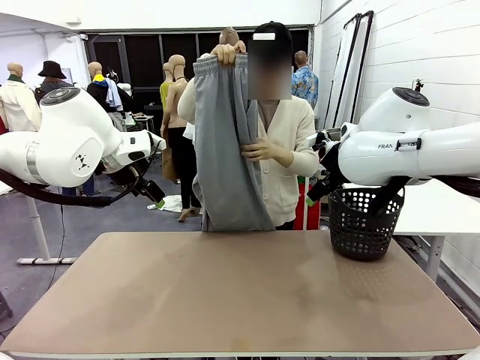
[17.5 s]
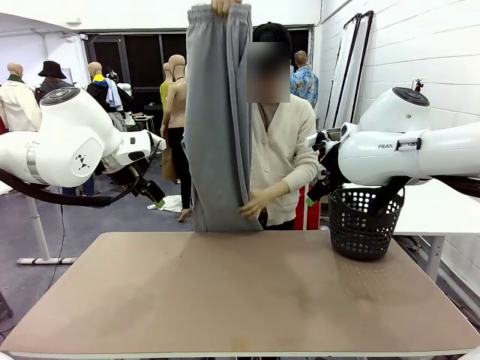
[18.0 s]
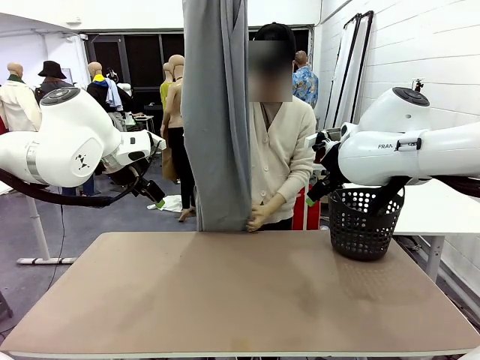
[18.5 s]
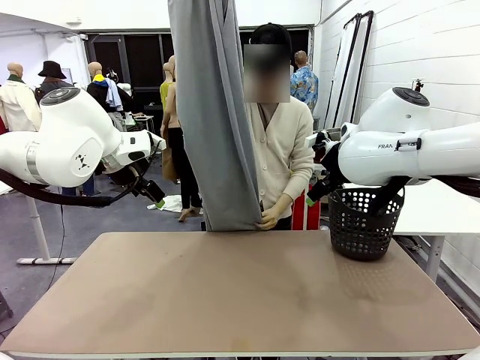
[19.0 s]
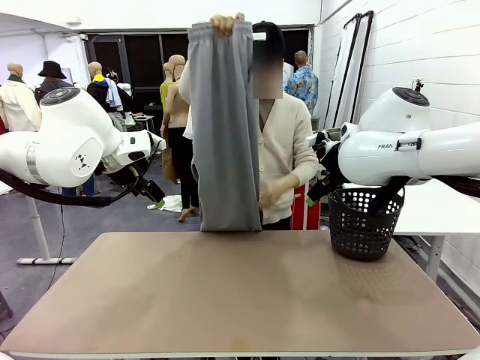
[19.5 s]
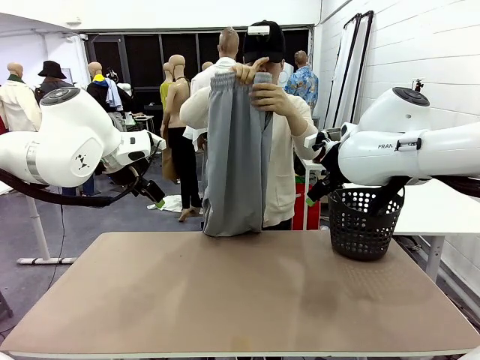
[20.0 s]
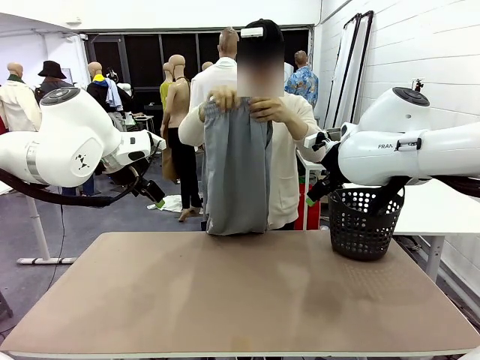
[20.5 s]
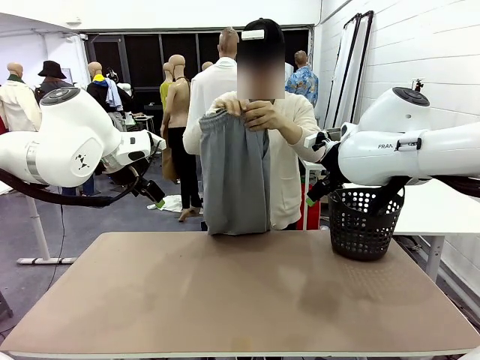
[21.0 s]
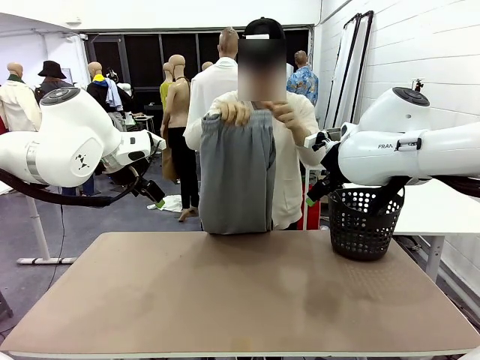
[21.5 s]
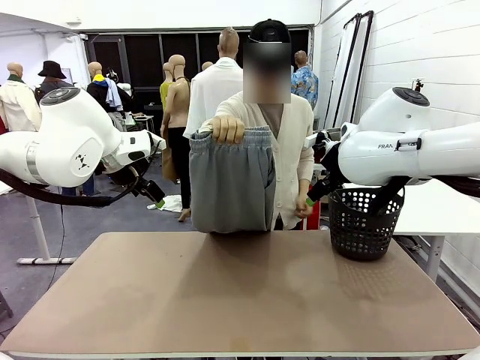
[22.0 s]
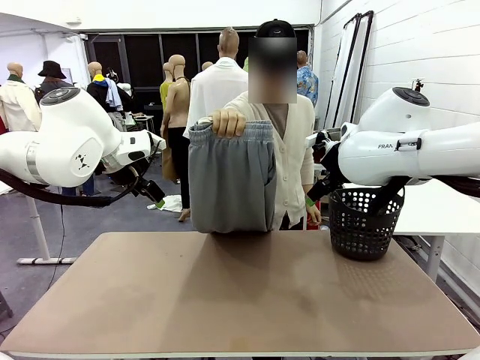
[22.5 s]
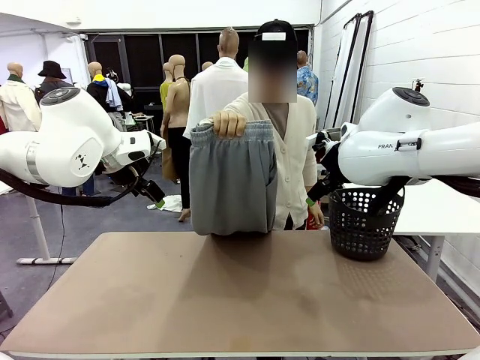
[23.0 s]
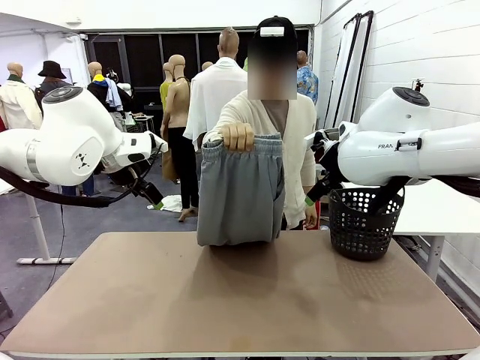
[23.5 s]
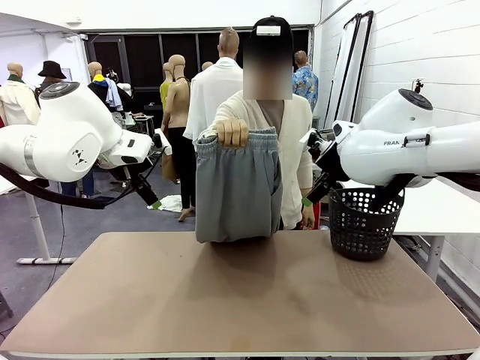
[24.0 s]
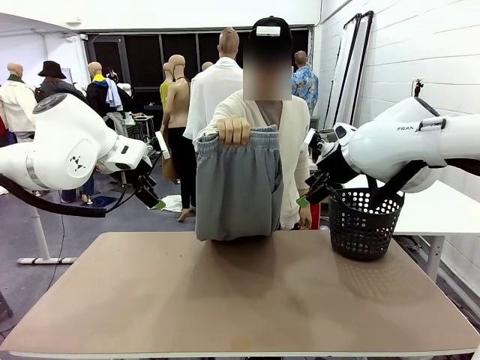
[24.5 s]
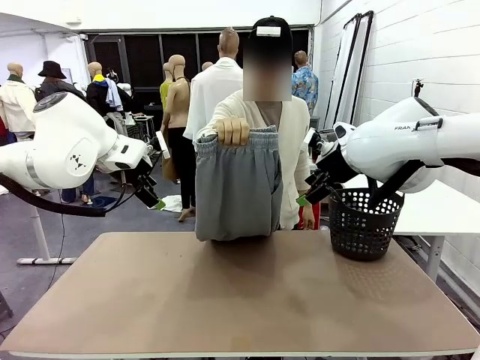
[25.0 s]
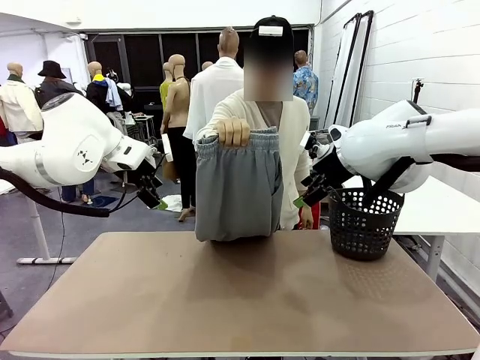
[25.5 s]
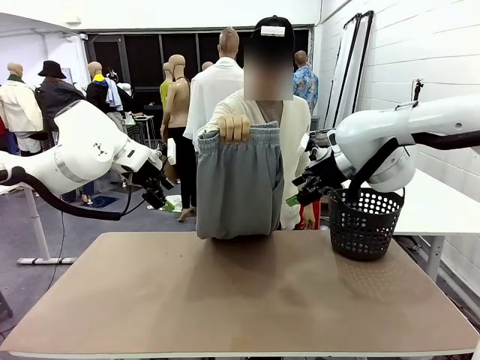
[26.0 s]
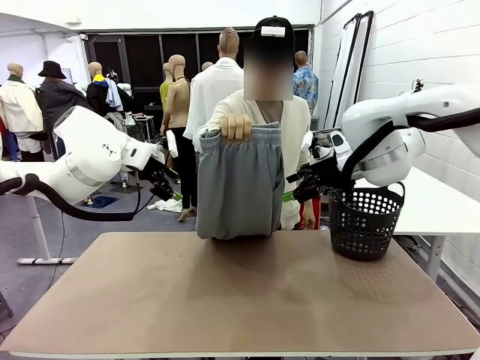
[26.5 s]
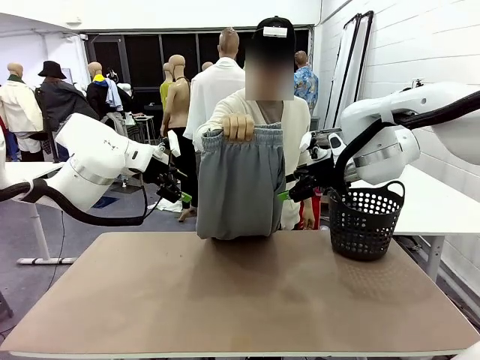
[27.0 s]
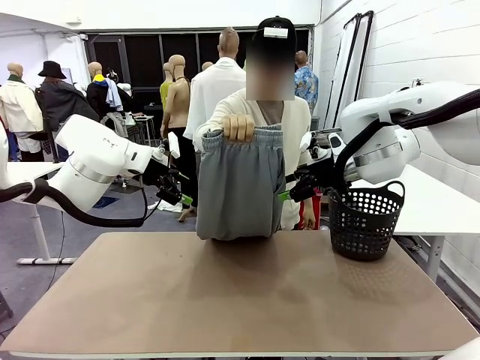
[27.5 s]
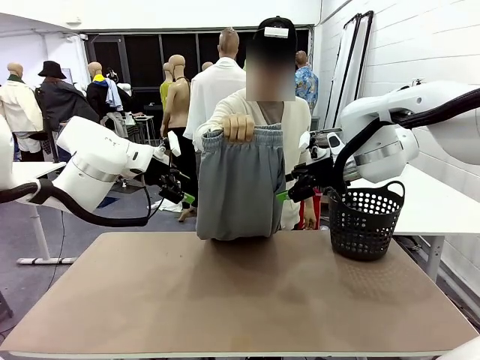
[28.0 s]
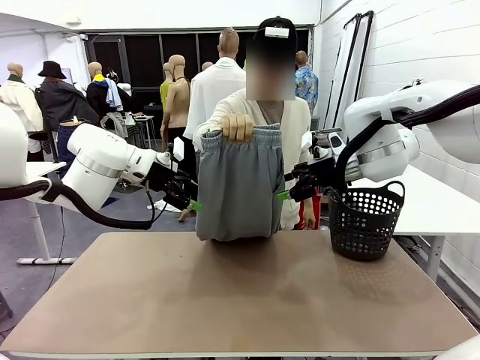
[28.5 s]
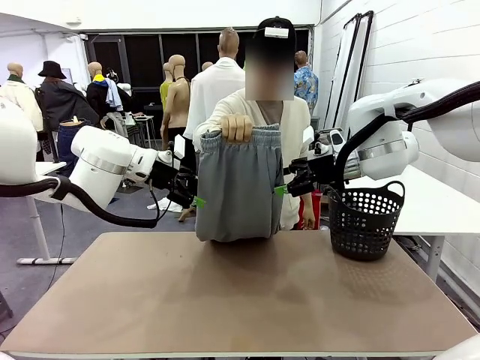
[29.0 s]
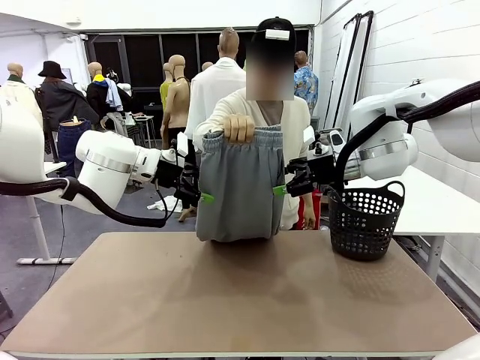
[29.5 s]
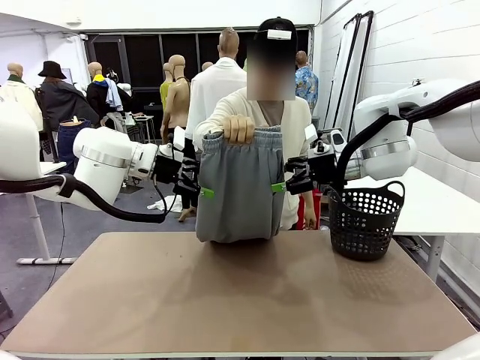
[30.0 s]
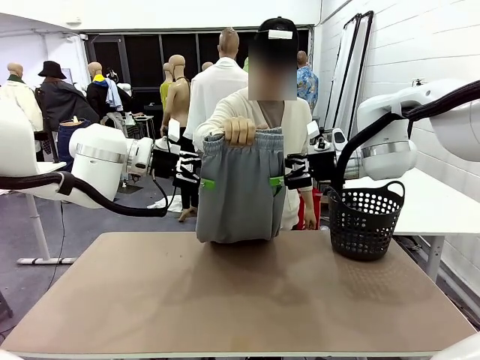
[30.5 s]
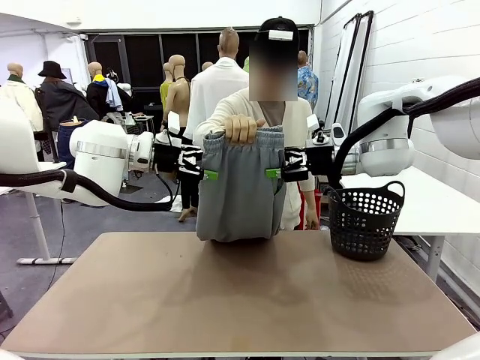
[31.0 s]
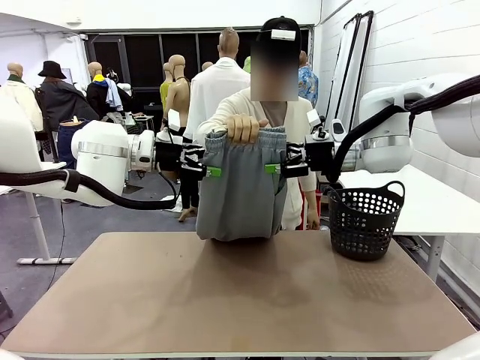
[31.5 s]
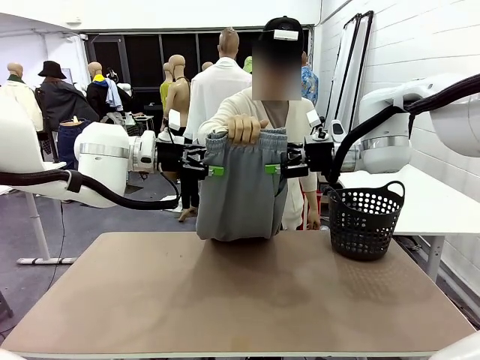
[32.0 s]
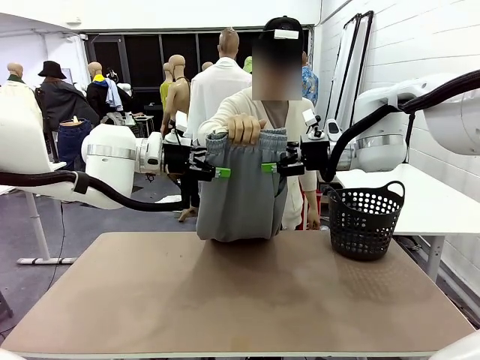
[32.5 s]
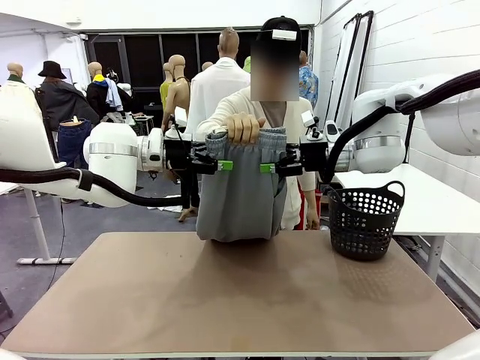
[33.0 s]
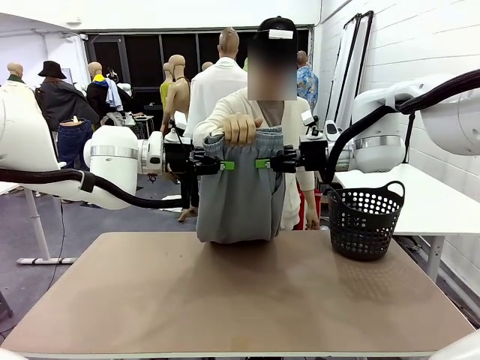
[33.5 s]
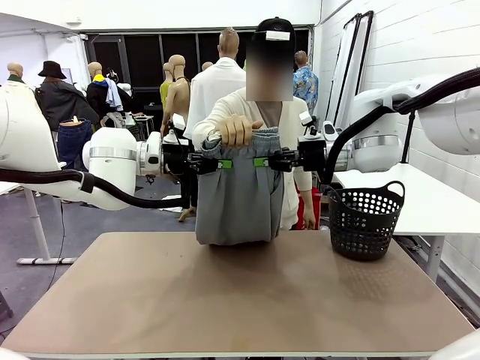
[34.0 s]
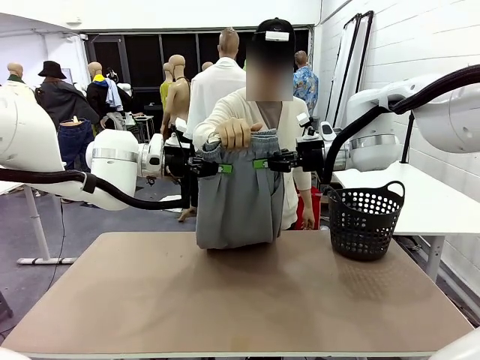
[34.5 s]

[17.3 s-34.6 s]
Task: Fold the training pants.
Robot: Grab both ends of the Training pants handed by a person.
